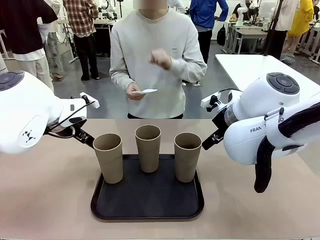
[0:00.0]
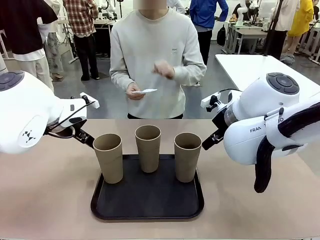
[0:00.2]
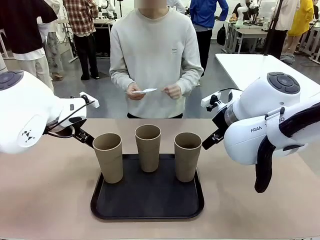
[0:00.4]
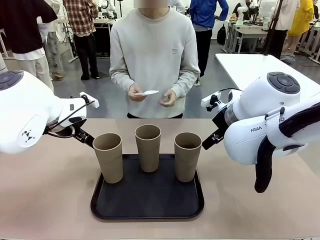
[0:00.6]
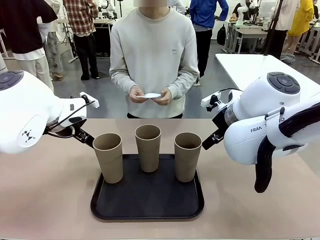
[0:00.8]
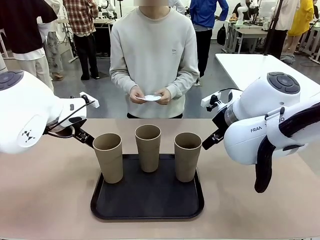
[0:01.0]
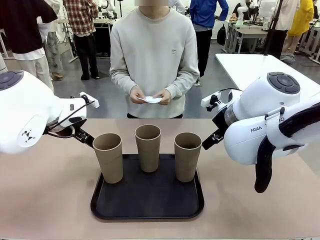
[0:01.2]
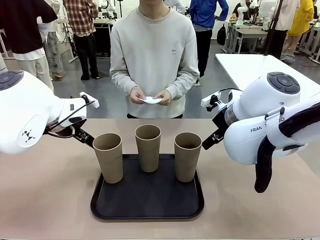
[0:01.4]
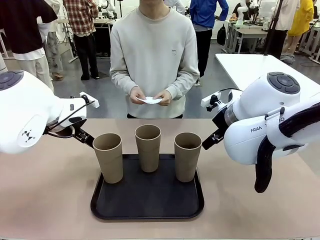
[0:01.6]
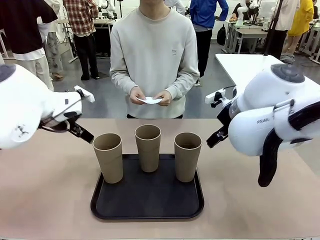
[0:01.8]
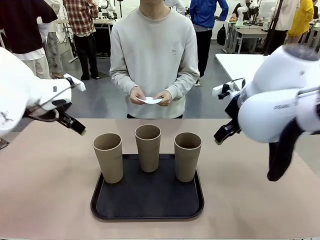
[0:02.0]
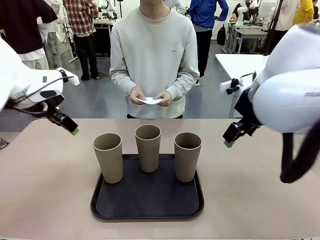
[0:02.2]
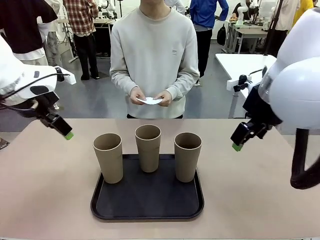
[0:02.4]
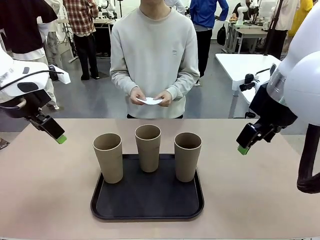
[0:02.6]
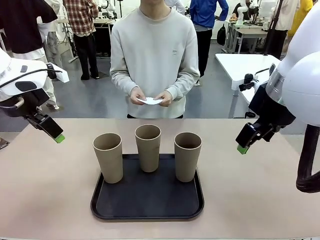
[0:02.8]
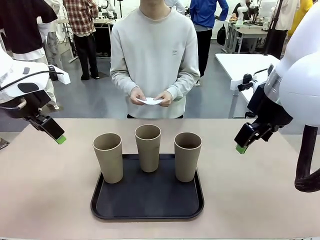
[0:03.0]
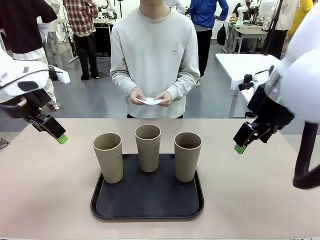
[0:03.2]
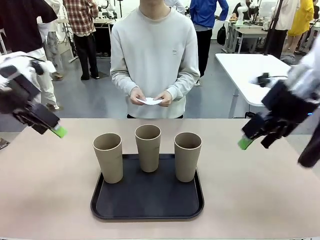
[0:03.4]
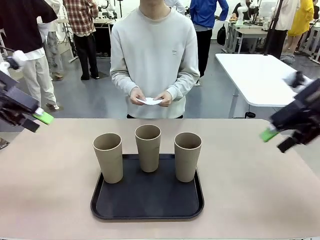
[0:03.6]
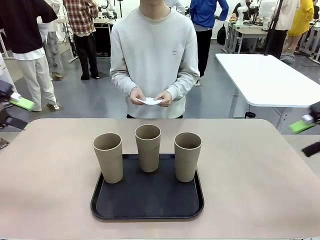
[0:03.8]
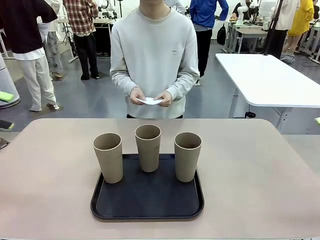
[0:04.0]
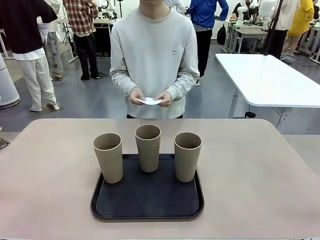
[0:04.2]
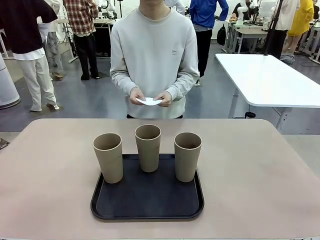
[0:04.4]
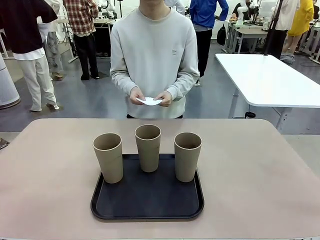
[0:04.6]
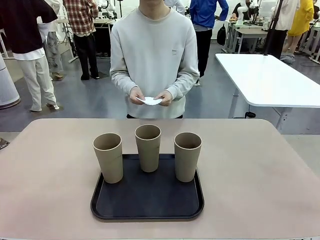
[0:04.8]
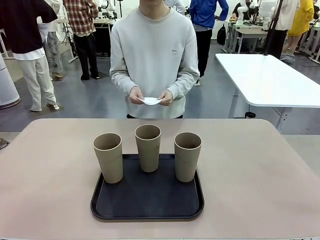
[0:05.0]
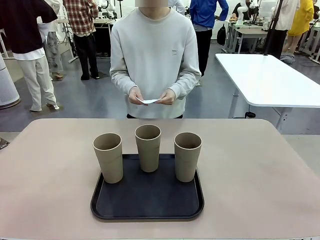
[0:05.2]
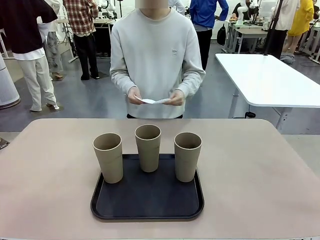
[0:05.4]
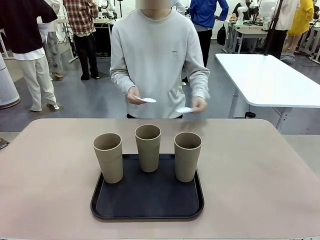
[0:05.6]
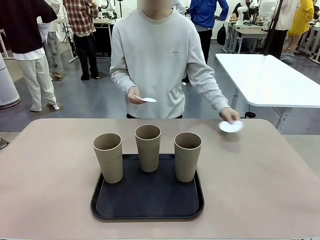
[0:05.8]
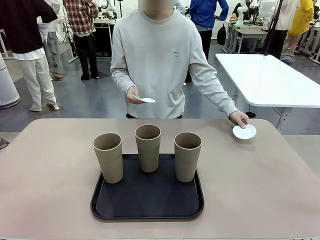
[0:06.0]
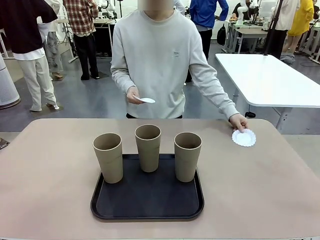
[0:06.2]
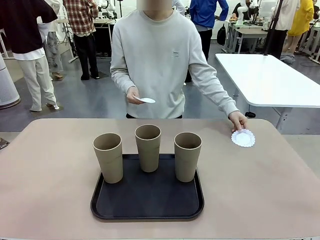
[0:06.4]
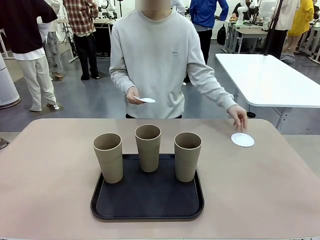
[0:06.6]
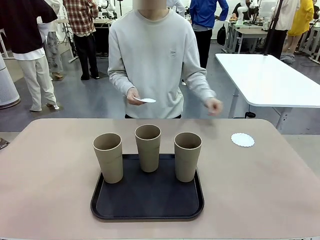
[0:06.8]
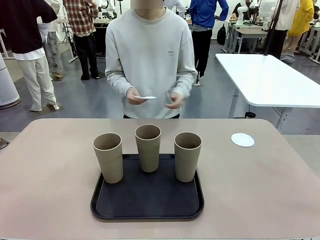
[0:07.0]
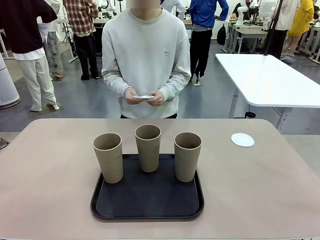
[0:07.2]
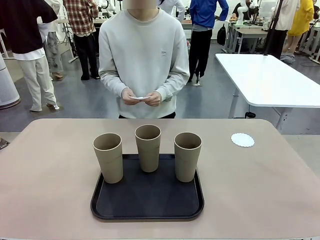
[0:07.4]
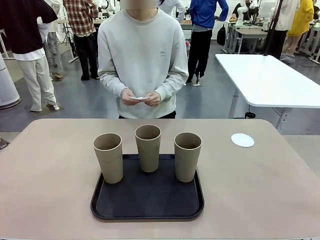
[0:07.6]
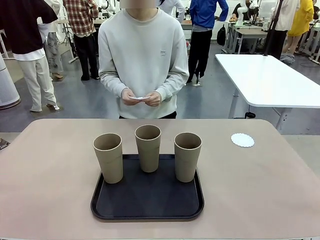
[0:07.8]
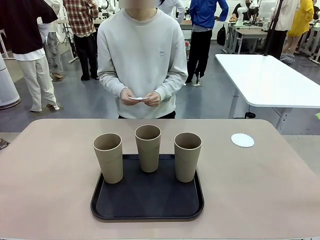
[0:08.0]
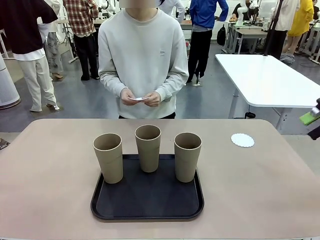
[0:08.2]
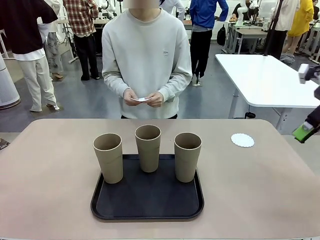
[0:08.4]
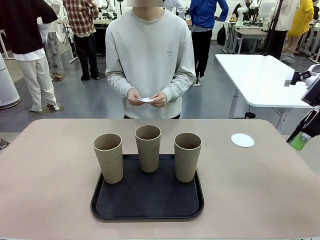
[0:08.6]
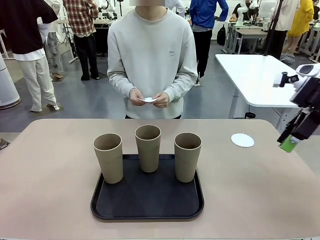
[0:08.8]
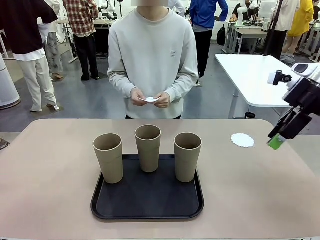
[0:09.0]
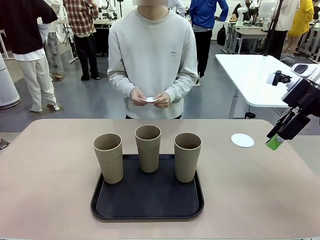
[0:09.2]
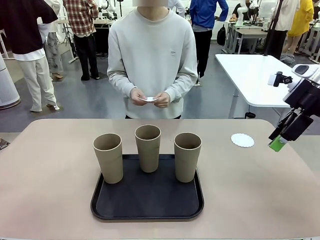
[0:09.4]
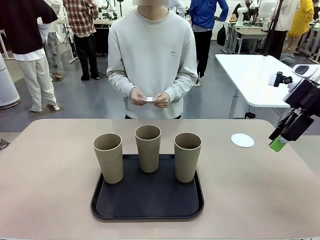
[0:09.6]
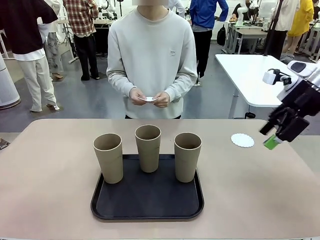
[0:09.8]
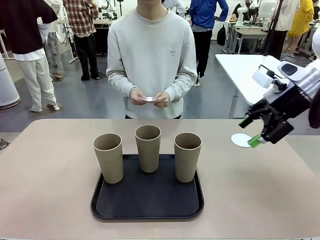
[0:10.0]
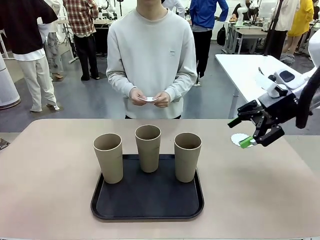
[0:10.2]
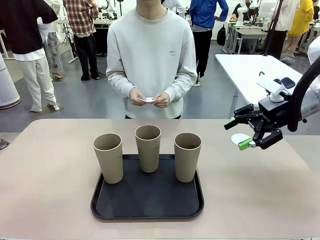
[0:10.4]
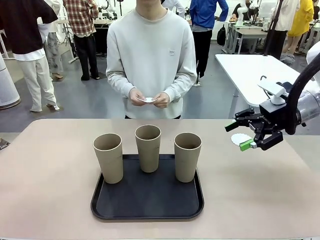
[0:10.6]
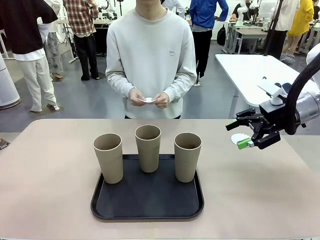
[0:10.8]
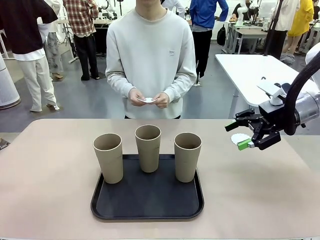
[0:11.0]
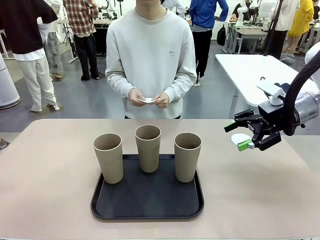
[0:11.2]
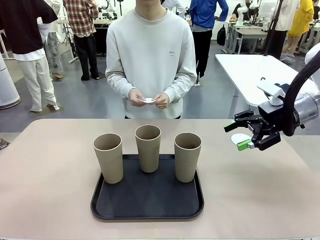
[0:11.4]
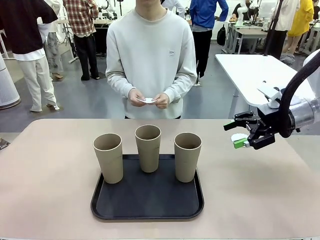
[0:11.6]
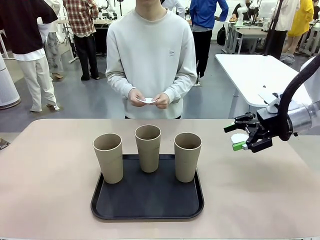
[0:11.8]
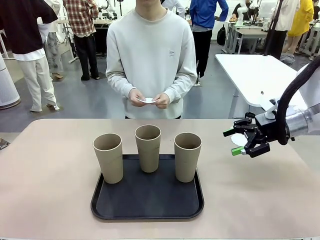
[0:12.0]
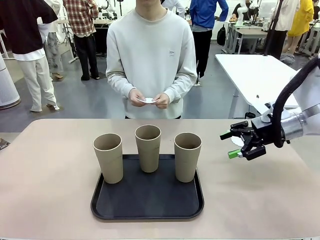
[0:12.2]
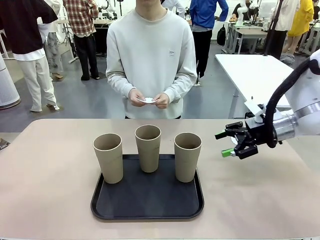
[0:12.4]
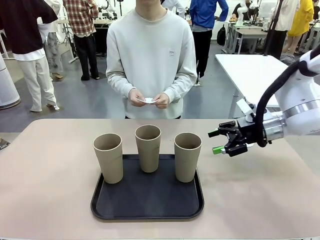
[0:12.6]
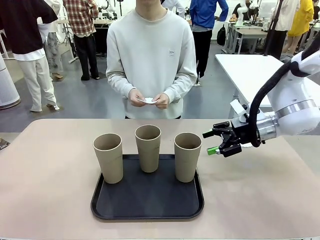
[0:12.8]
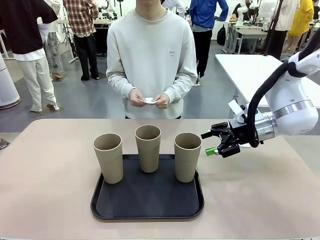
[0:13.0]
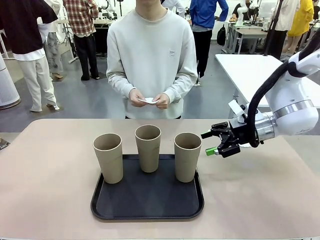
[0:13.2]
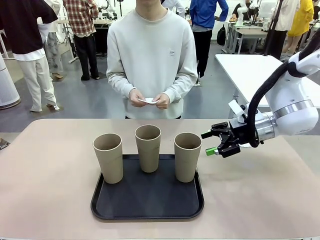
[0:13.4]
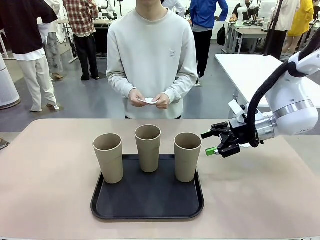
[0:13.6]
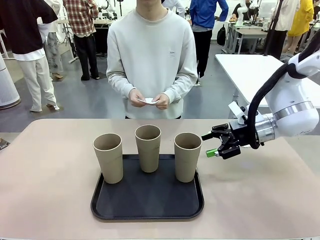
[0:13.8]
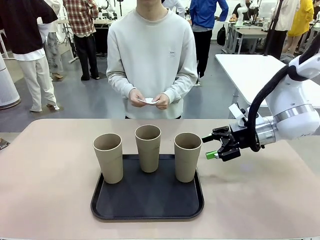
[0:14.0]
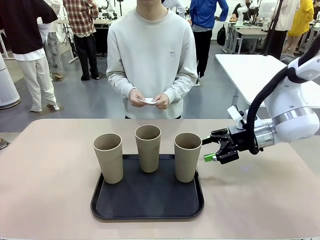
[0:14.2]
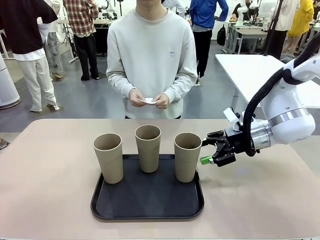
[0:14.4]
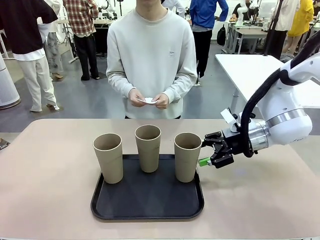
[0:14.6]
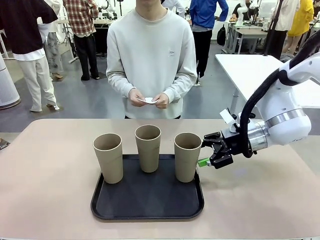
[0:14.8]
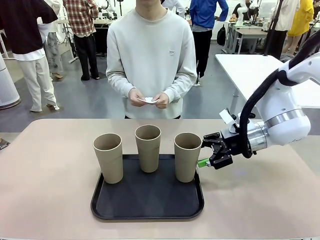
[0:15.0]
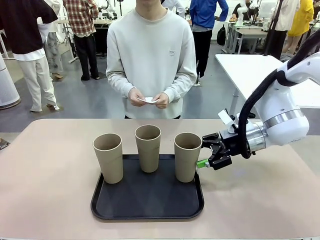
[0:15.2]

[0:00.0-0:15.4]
Task: Place coasters on the table and set cups on them.
Robot: Pick up one Reusable plastic cup and place it on a coaster set by the human.
Person: Place one coaster in any one of the three lower areas of the robot table (left, center, or right).
